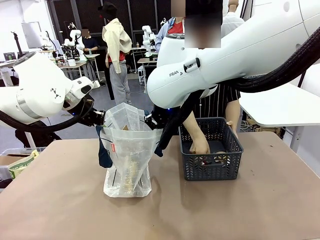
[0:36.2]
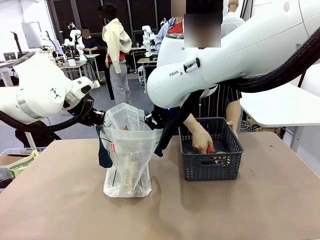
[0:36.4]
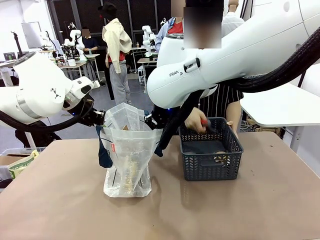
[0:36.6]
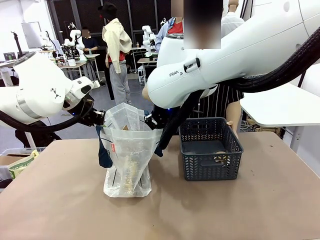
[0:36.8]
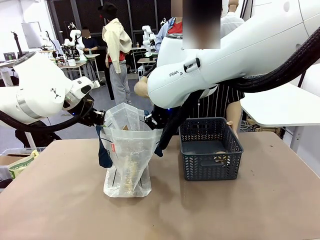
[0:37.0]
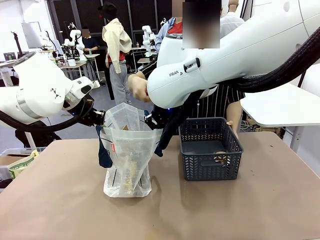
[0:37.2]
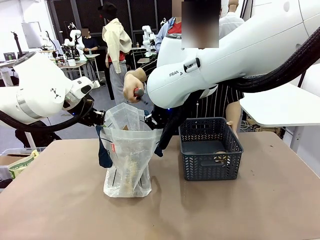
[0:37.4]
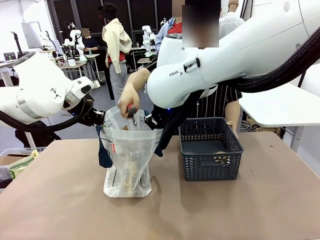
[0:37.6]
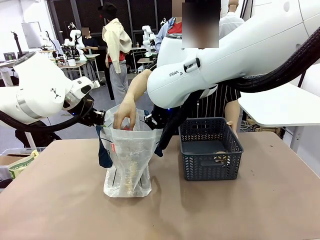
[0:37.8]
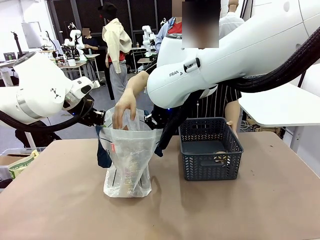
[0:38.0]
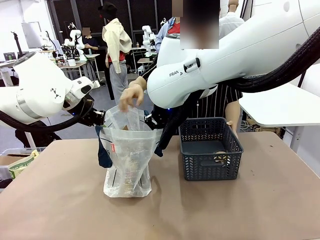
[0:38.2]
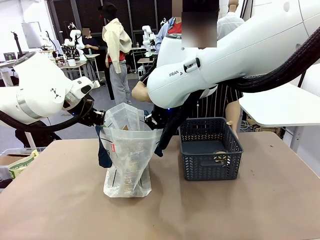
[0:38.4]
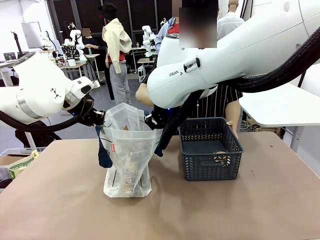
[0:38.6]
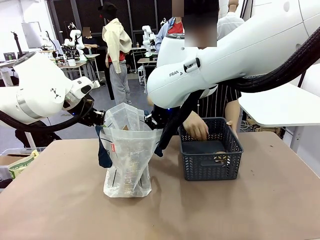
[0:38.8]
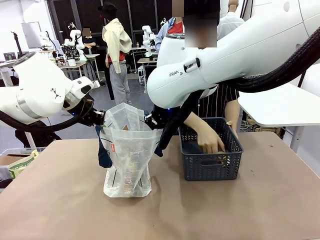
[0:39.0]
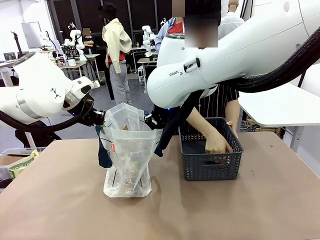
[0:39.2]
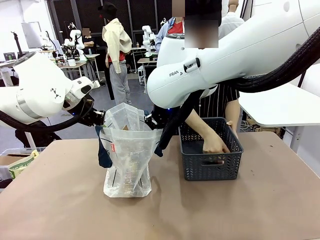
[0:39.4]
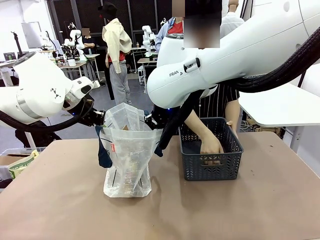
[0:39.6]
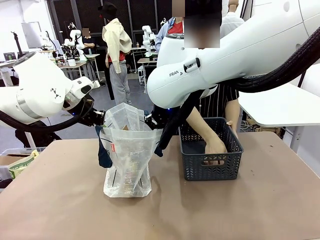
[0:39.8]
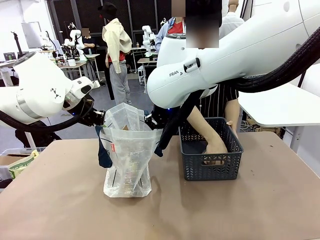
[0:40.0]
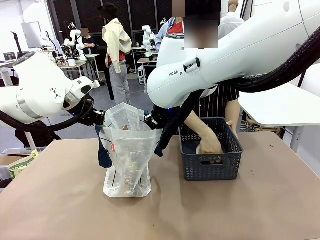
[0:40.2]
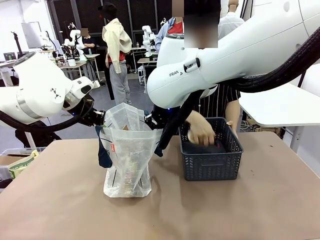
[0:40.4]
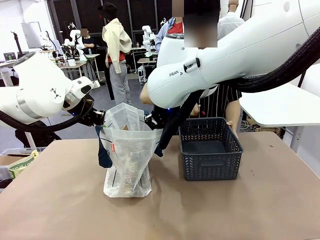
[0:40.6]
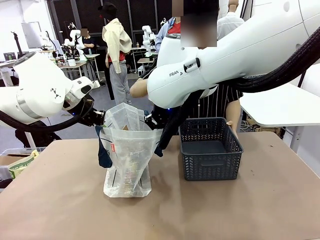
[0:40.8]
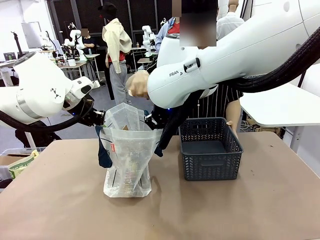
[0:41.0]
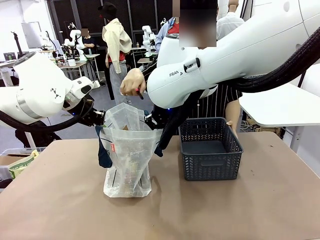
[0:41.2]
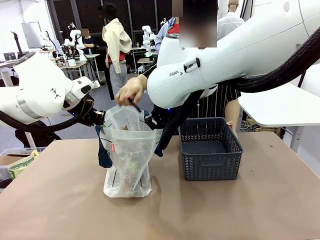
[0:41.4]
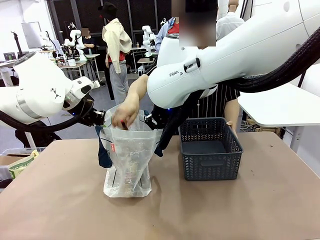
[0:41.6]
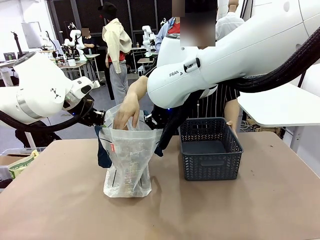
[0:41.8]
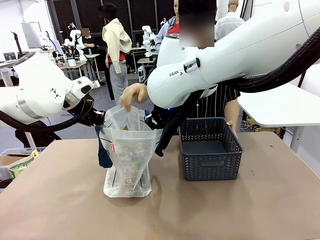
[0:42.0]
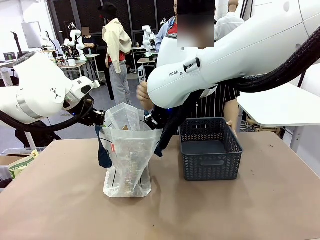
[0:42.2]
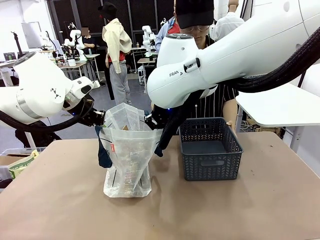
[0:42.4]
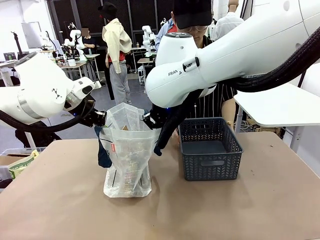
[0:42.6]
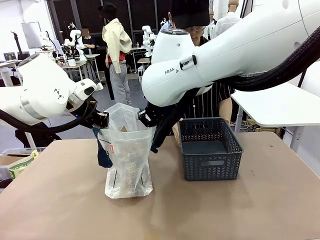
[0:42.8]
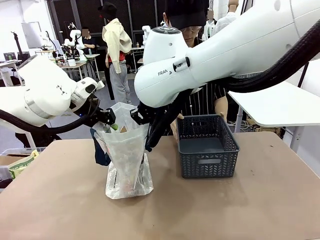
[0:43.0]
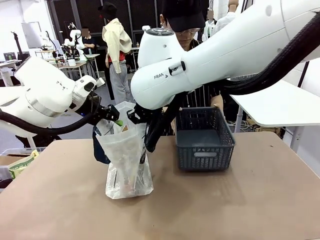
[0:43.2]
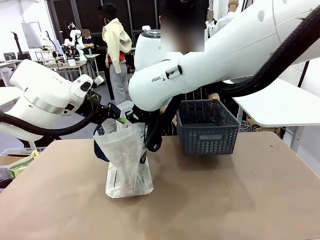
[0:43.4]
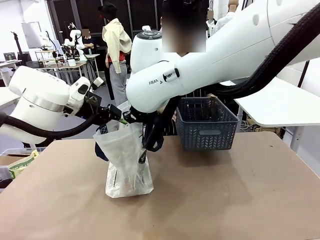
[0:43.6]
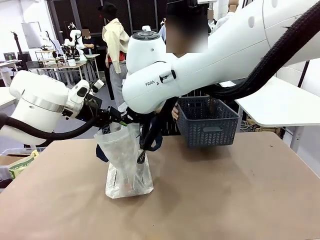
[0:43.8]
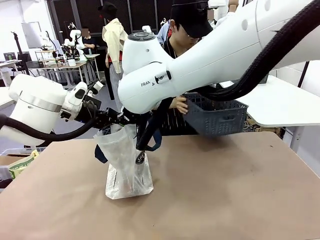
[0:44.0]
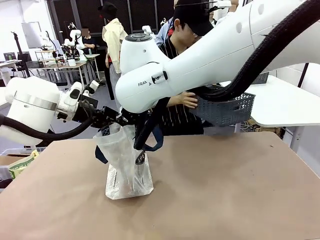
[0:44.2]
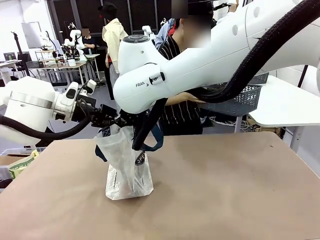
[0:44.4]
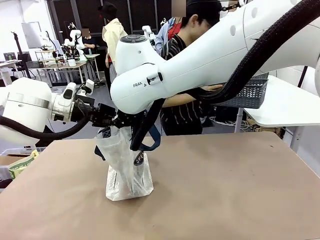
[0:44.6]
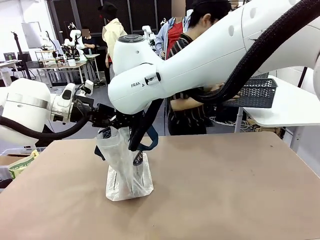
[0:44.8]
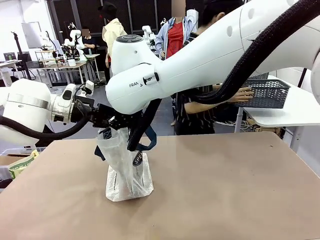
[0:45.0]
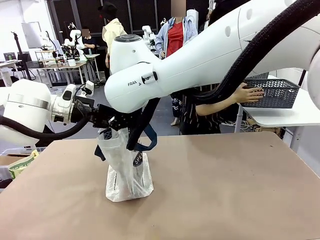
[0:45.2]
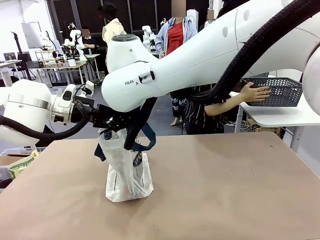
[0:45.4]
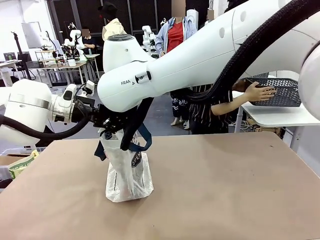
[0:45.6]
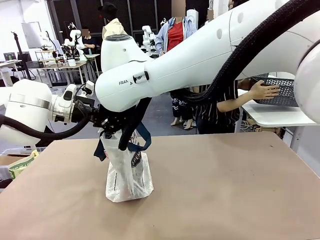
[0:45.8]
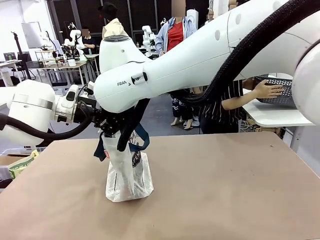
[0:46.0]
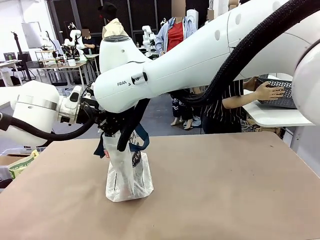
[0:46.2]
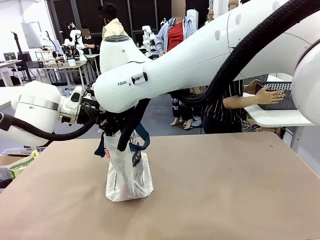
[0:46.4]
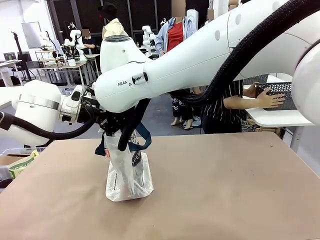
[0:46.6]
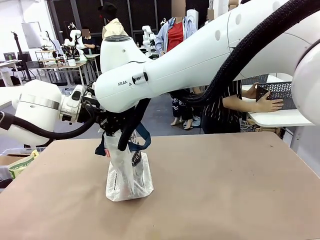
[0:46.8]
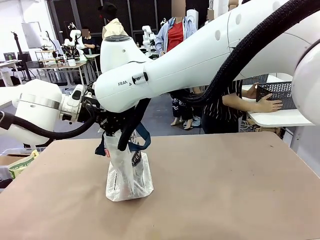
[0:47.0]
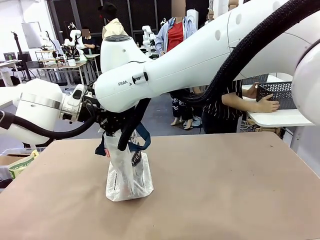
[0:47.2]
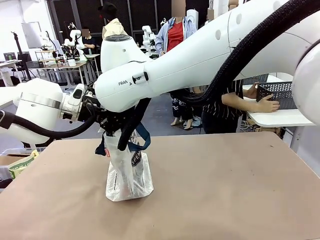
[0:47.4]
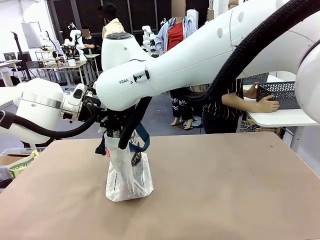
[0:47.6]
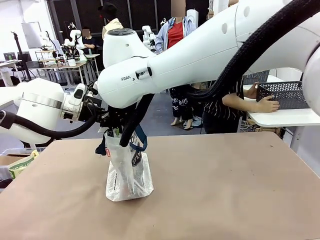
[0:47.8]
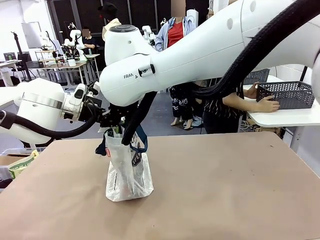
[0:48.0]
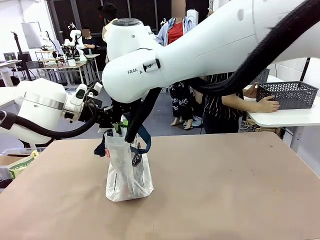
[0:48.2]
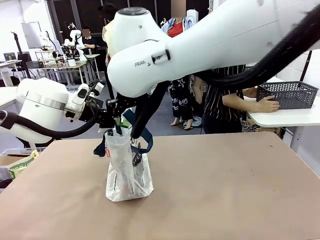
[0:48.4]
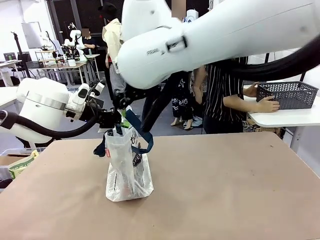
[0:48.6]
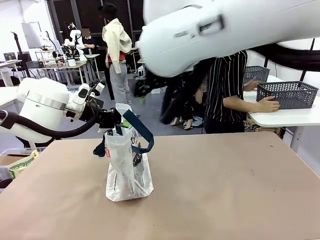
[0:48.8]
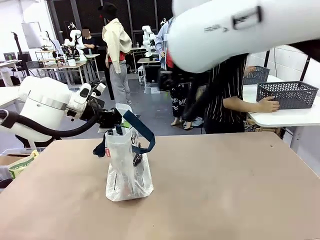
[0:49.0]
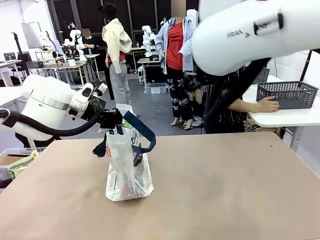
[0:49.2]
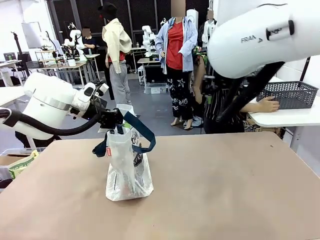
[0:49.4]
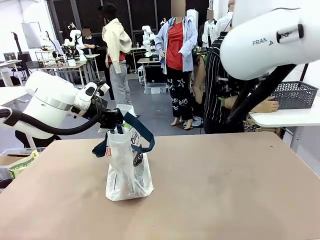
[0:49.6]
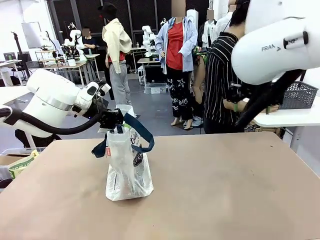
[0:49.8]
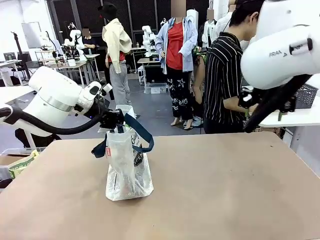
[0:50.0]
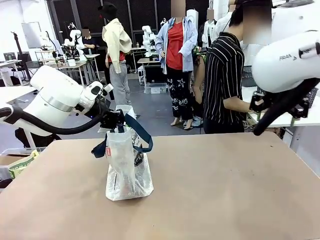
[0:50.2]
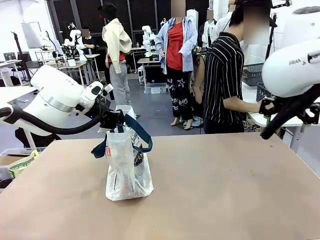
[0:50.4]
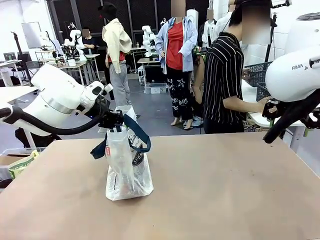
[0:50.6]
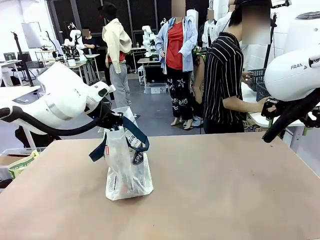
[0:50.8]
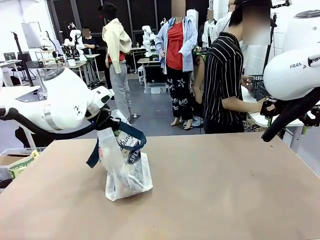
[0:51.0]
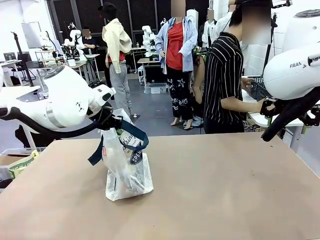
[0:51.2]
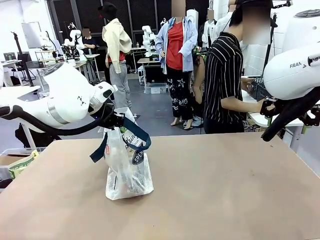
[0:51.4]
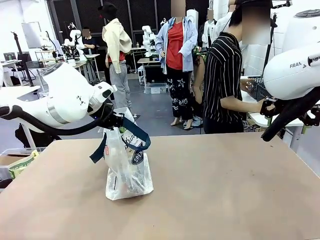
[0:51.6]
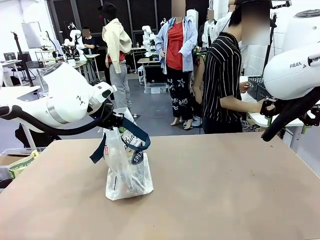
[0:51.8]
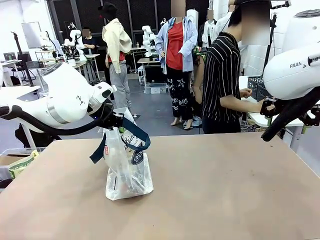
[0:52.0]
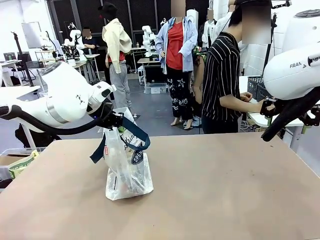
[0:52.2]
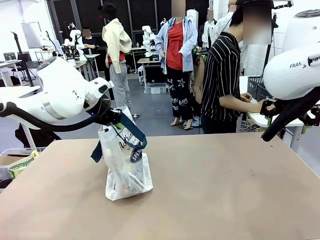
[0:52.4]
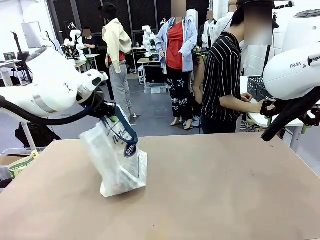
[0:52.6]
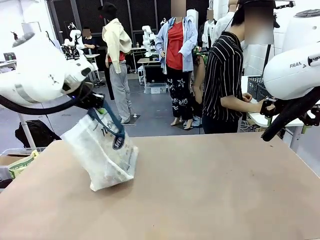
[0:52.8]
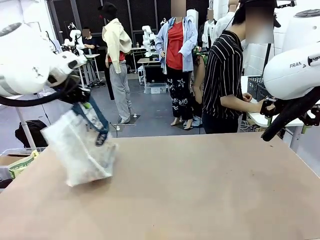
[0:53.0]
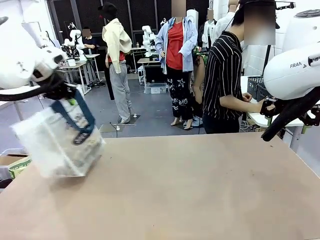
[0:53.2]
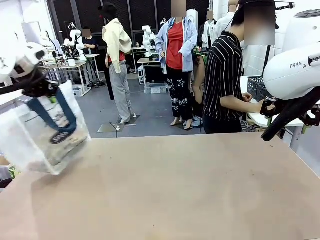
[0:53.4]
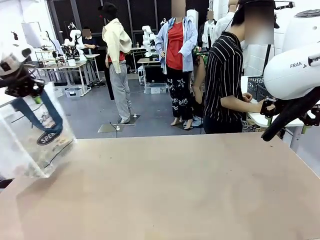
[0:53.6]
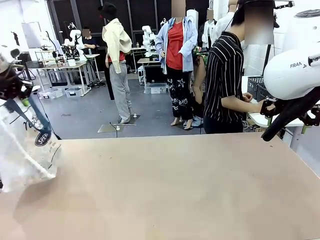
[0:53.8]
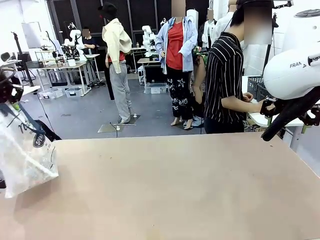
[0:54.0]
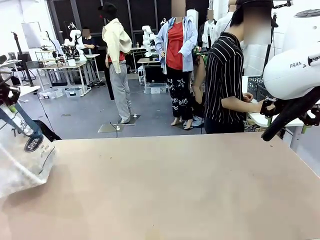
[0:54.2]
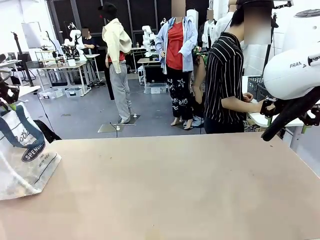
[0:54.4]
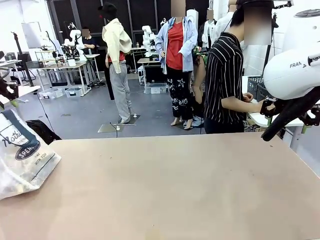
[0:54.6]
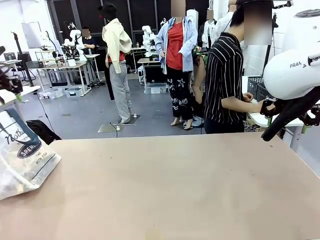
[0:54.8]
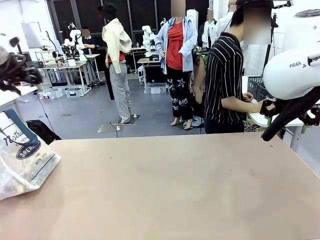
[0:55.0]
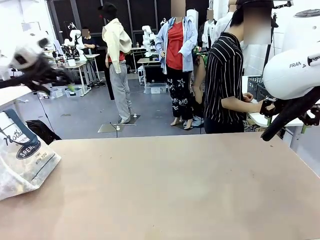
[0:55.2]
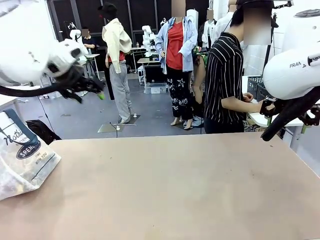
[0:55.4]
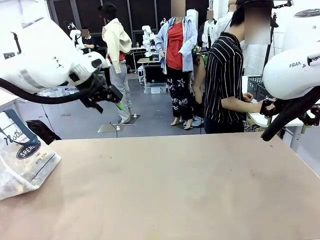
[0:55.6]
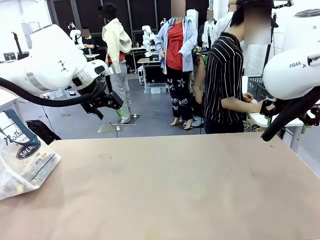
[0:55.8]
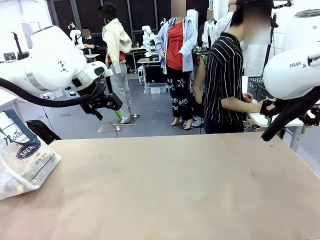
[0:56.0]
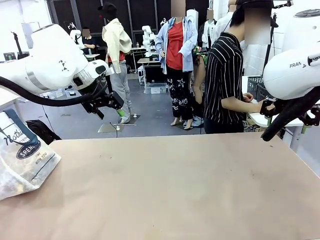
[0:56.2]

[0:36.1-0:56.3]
Task: Transfer purchased items from the store into the shopping bag.
Robot: Move the Reusable shopping bag to the right side of the table.
Person: Move the basket on the left to the middle of the person's table.
